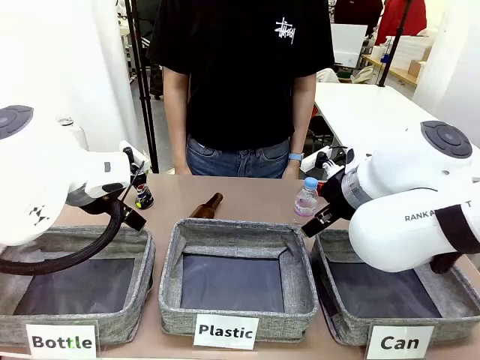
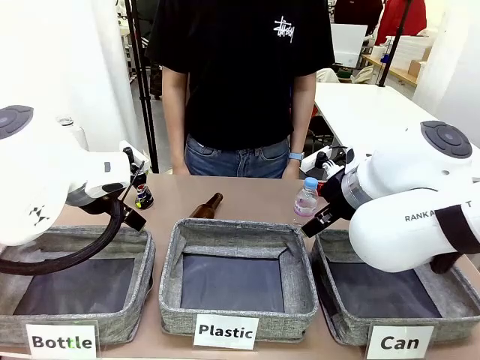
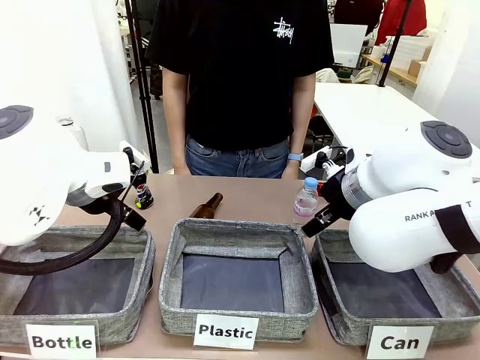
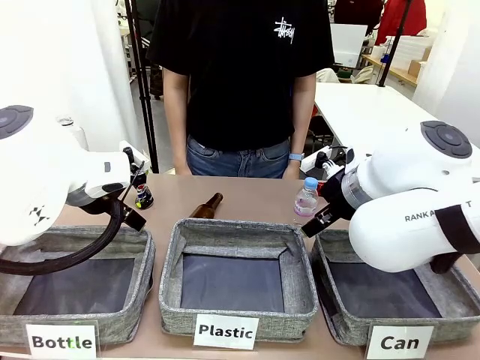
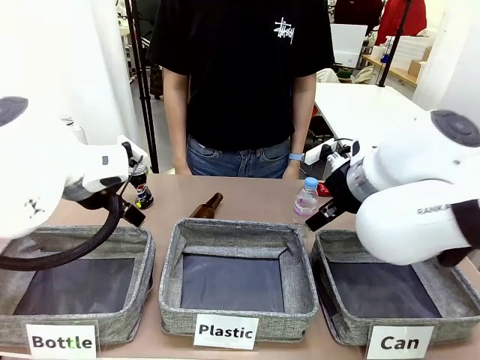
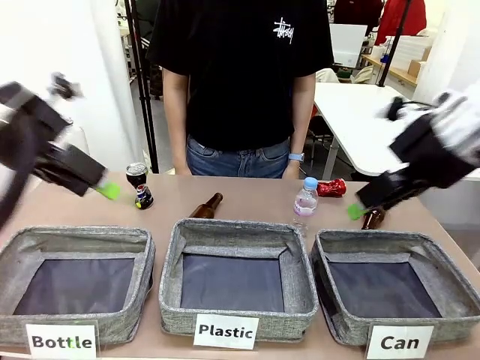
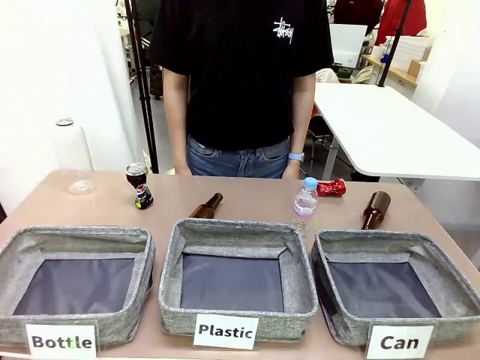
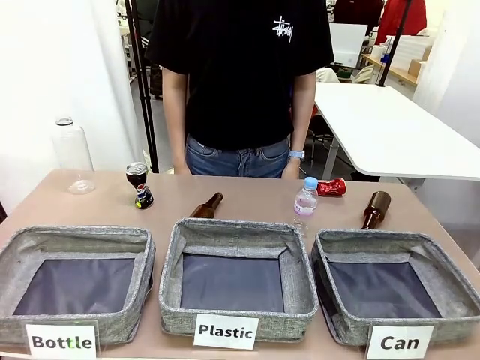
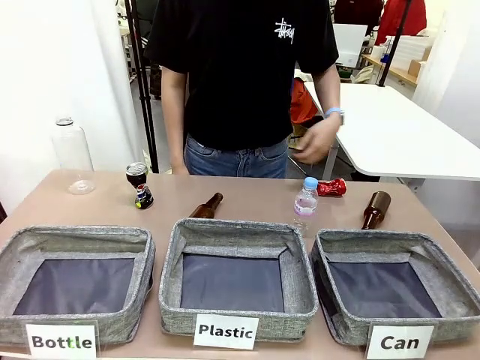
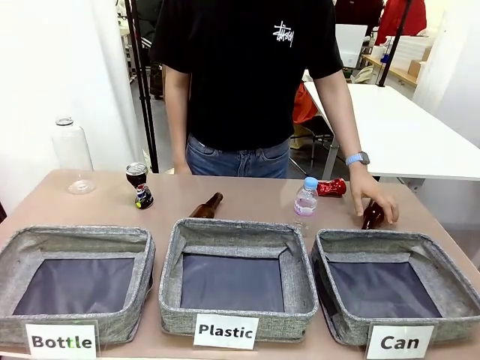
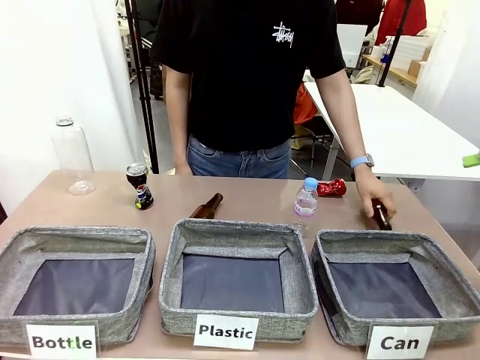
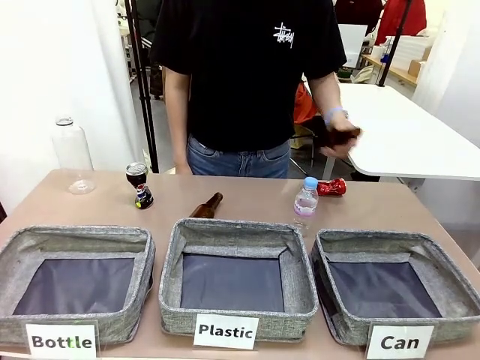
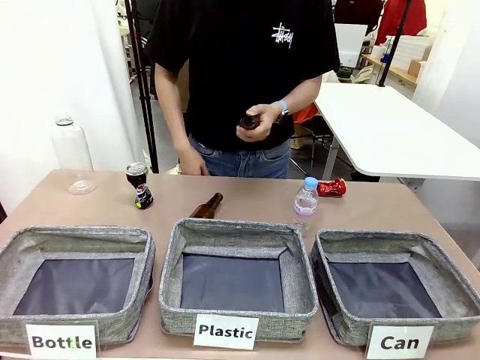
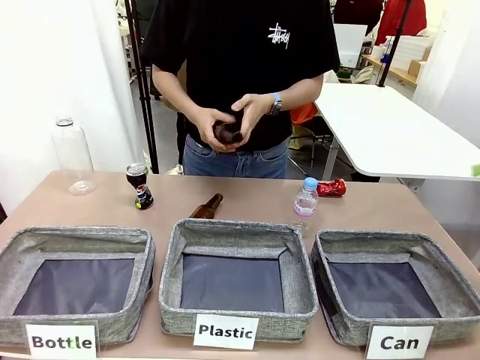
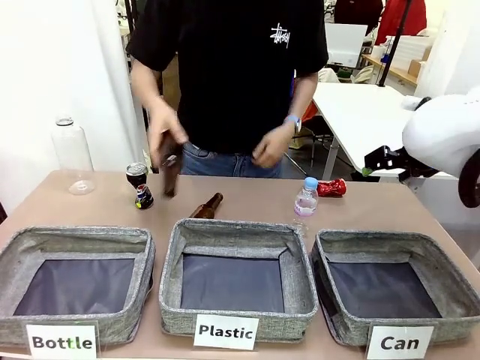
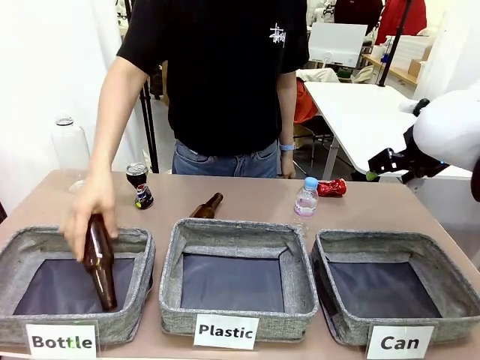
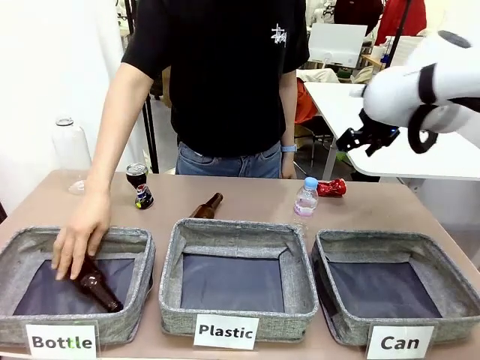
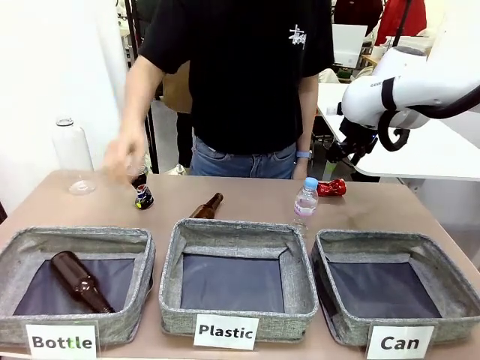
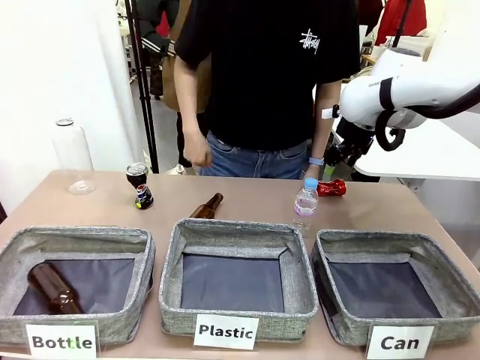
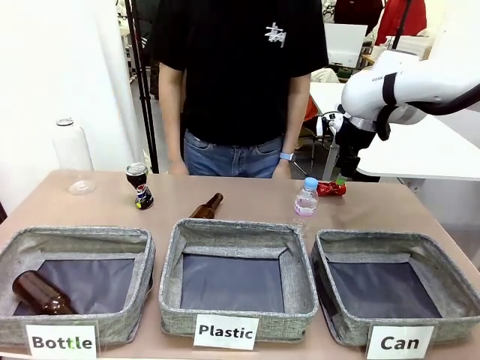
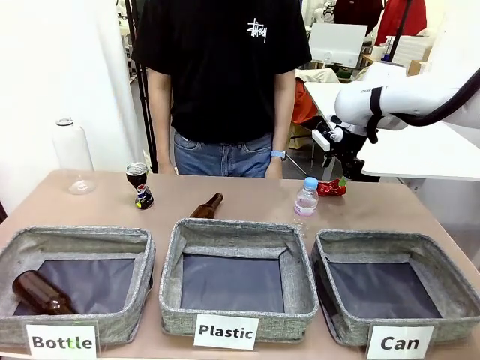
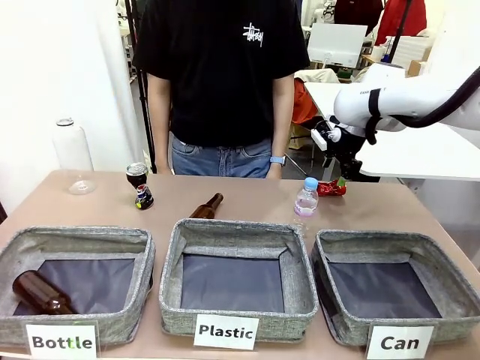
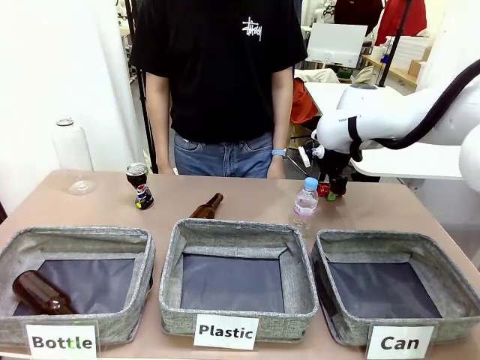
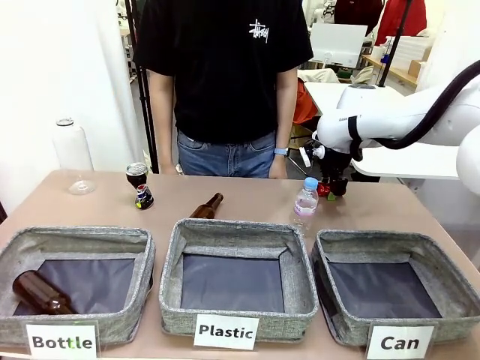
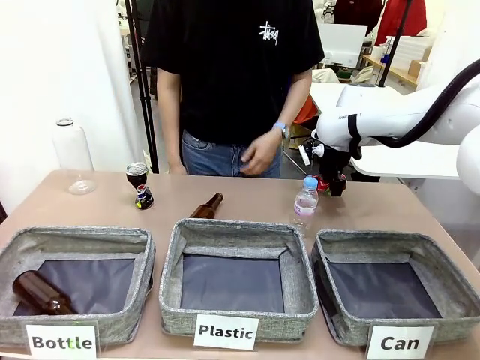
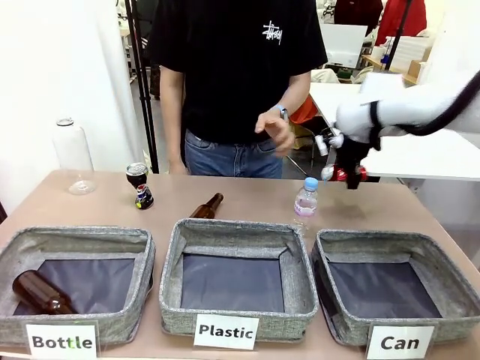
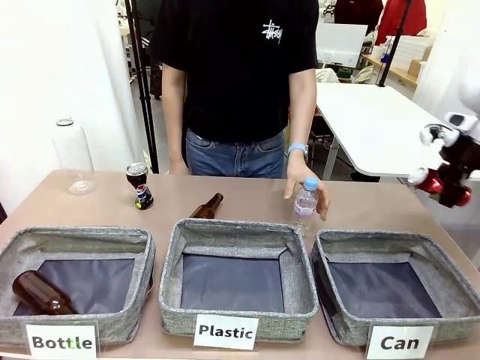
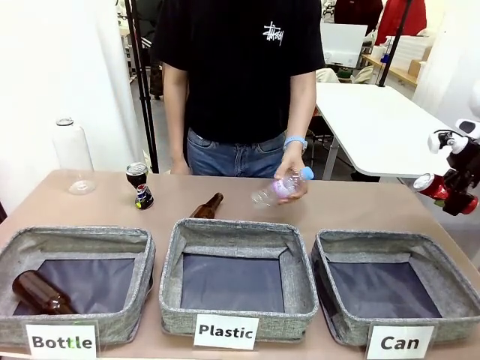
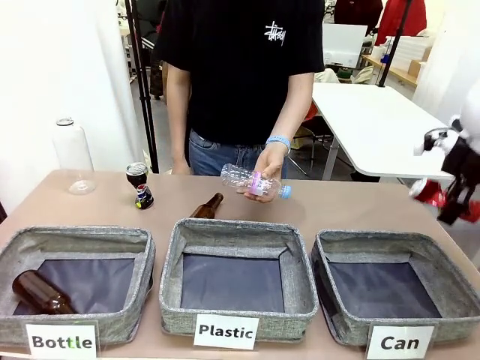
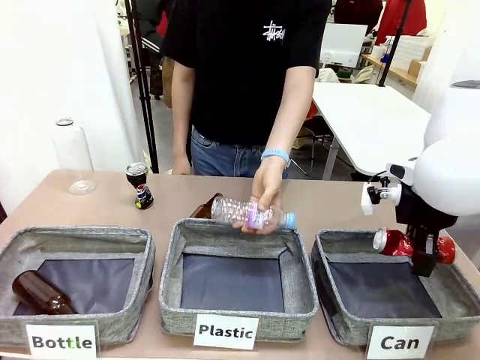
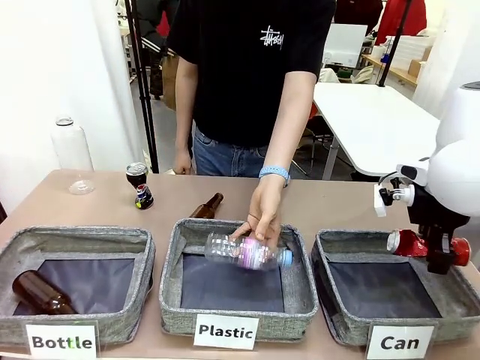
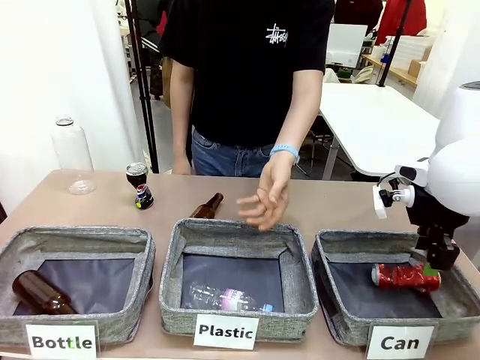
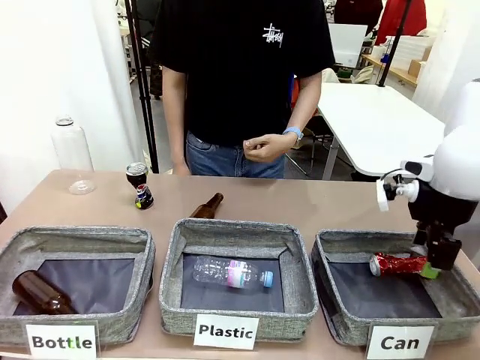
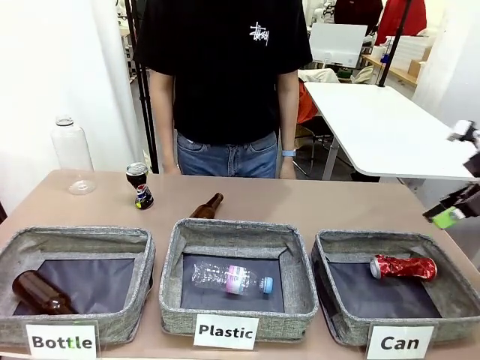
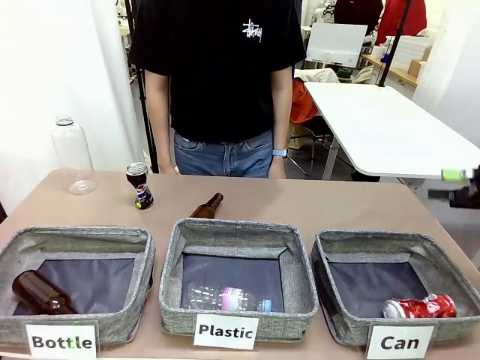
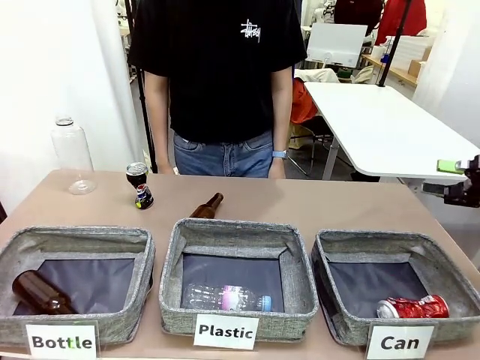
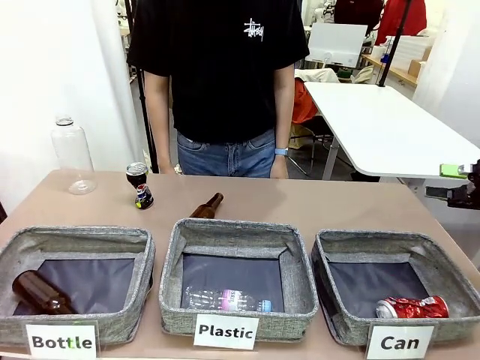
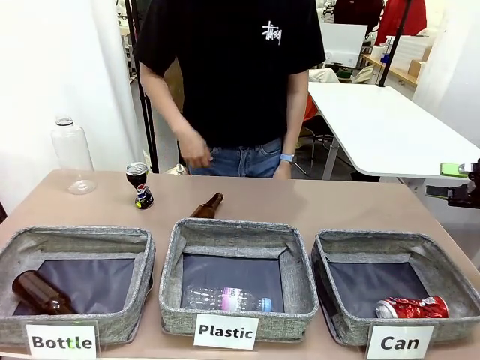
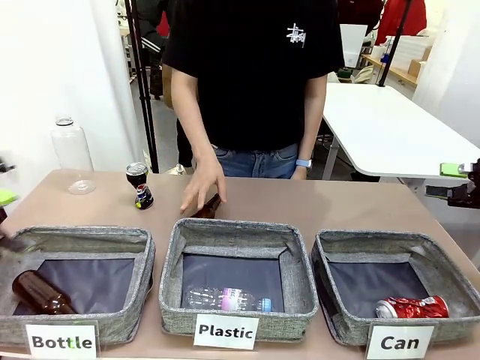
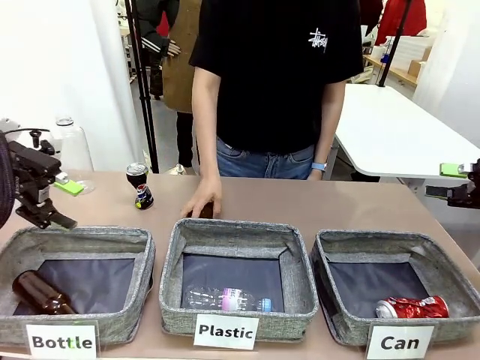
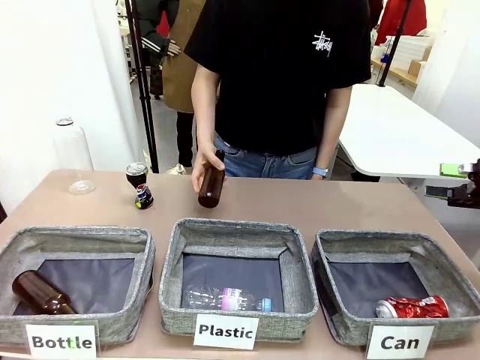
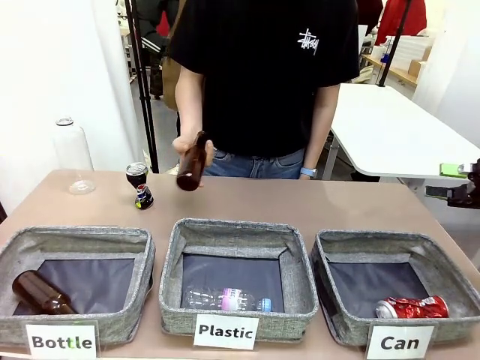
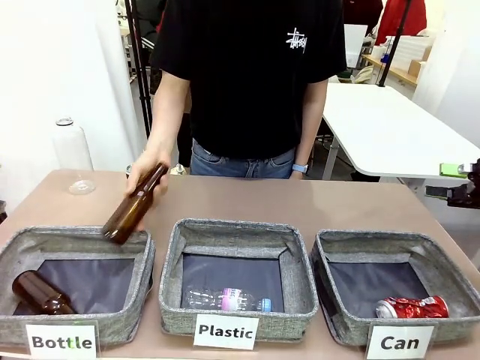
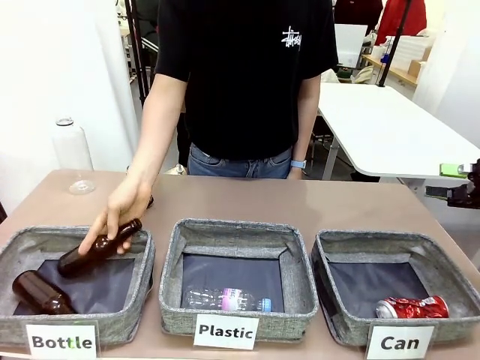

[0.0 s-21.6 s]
Task: Sort the can waste into the basket.
Robot: Pick up the can waste from the table and place it in the right Fabric basket.
